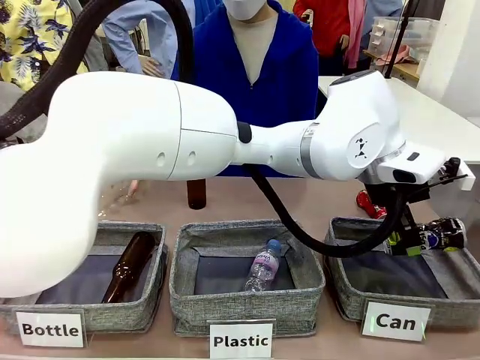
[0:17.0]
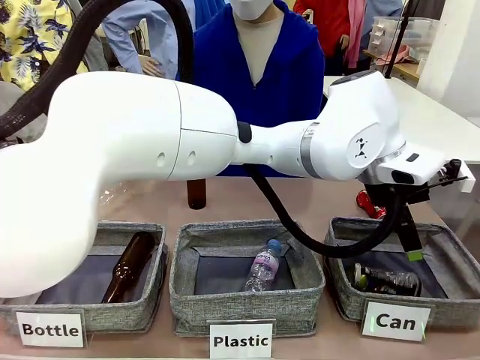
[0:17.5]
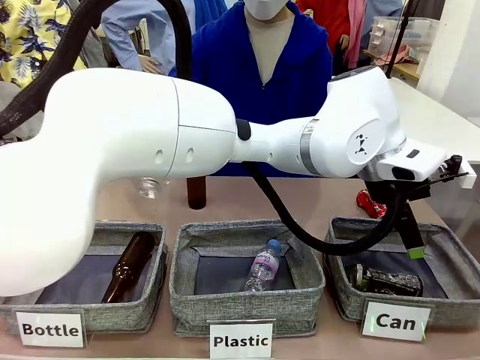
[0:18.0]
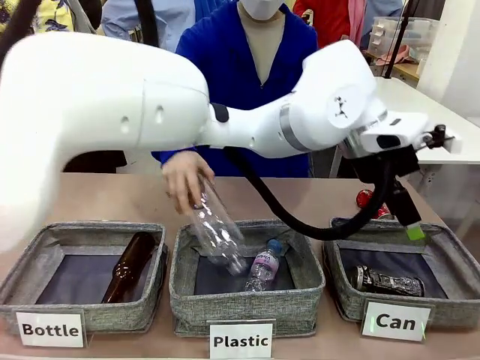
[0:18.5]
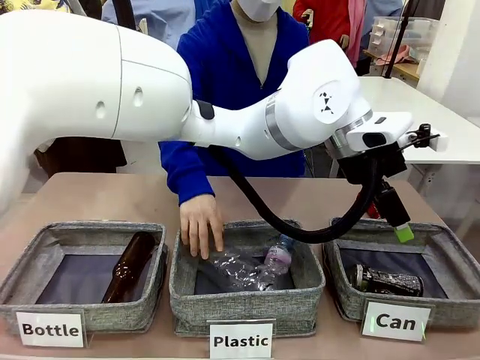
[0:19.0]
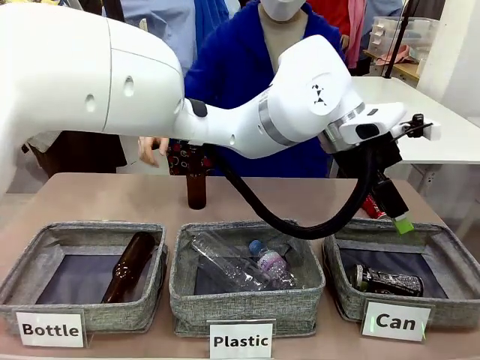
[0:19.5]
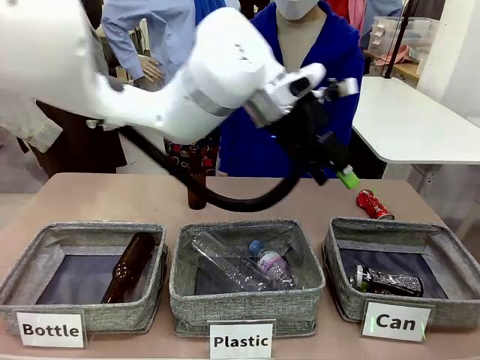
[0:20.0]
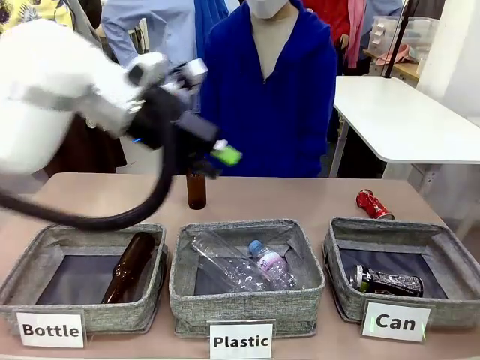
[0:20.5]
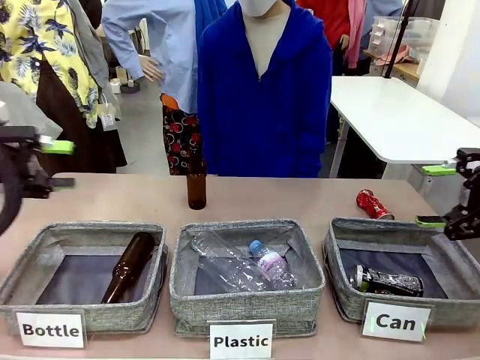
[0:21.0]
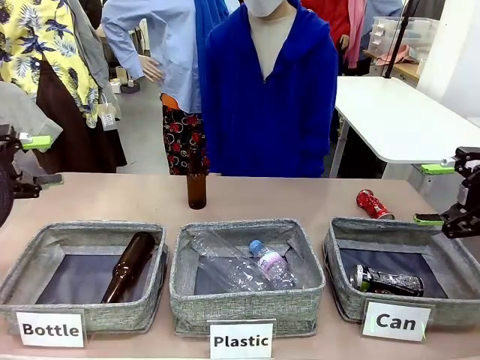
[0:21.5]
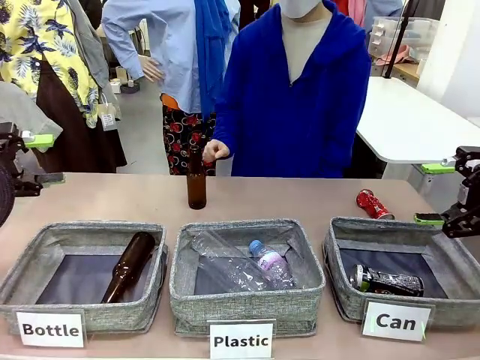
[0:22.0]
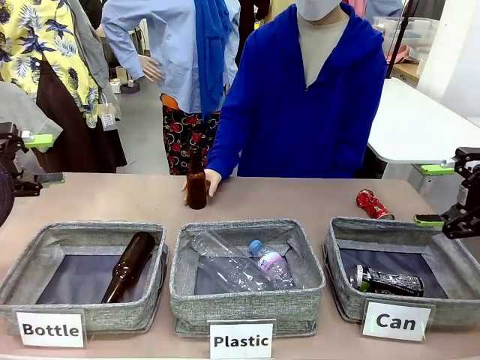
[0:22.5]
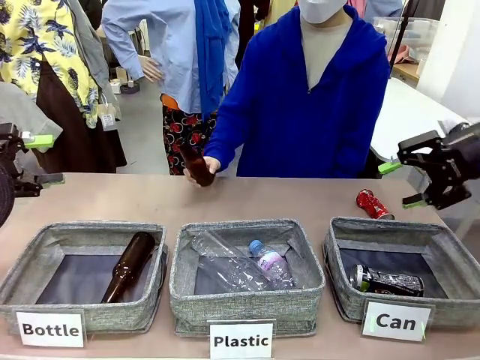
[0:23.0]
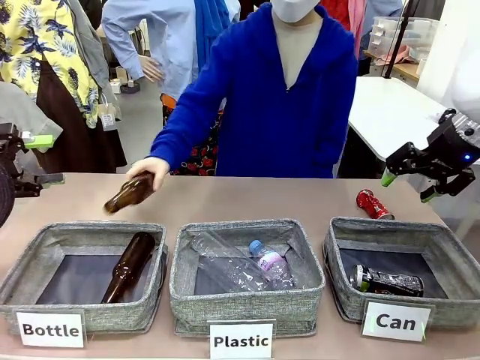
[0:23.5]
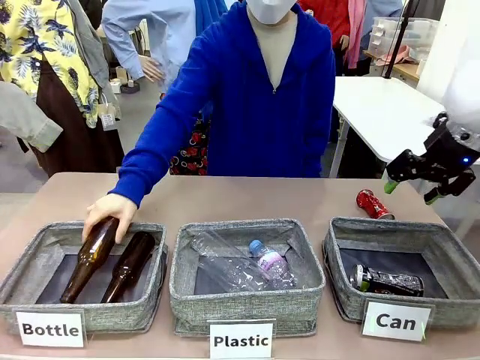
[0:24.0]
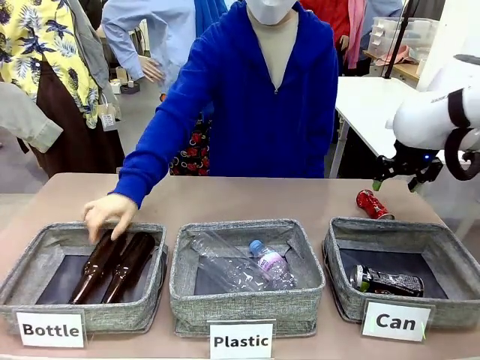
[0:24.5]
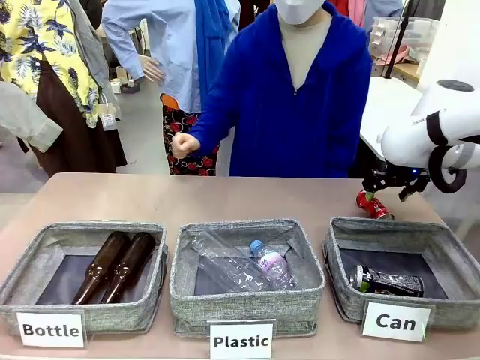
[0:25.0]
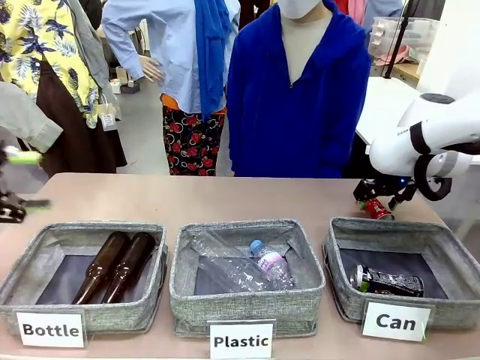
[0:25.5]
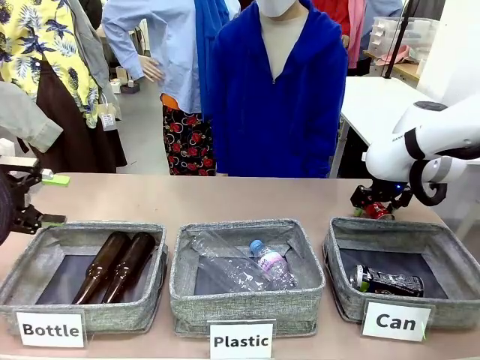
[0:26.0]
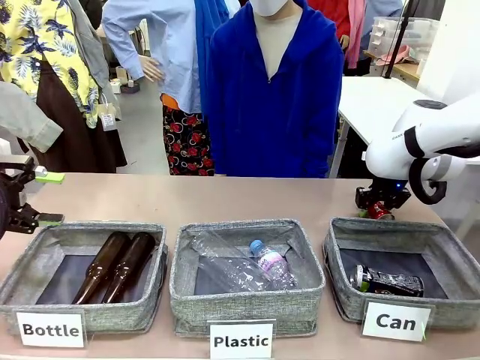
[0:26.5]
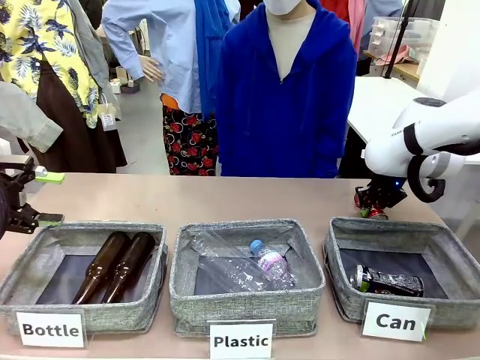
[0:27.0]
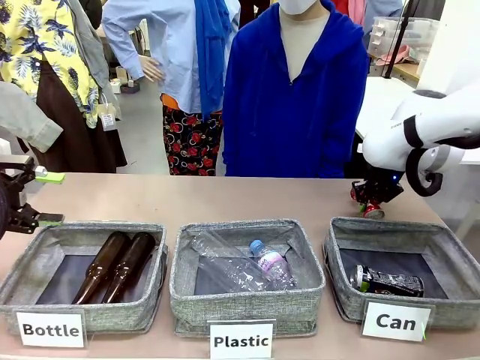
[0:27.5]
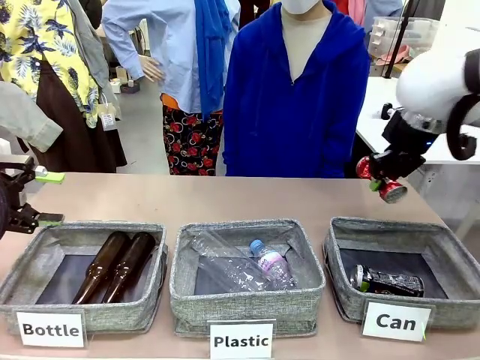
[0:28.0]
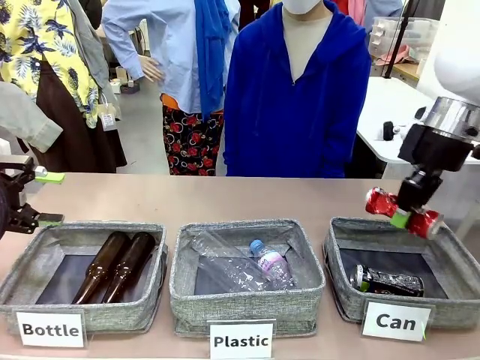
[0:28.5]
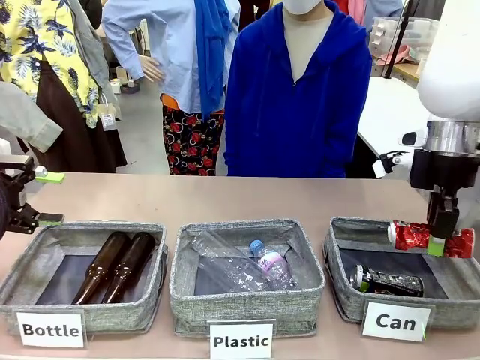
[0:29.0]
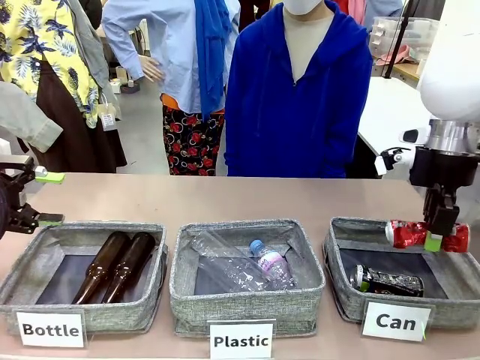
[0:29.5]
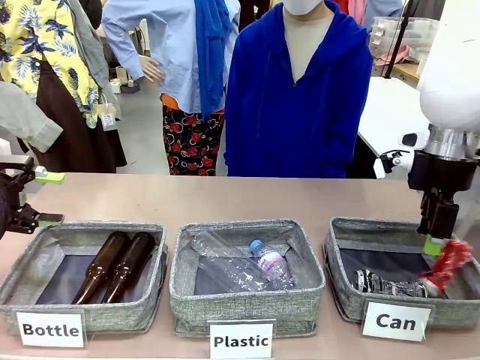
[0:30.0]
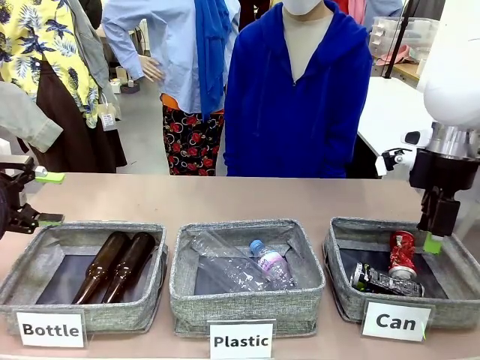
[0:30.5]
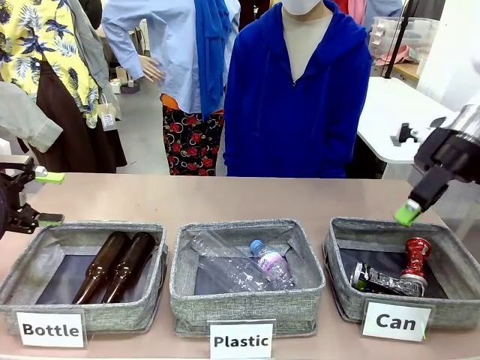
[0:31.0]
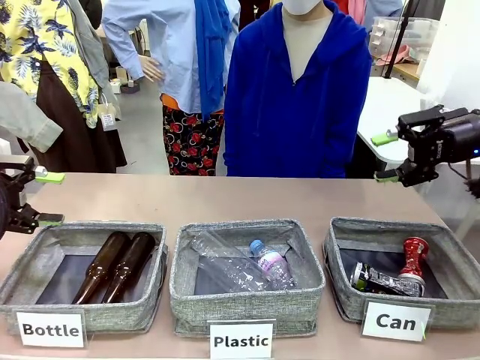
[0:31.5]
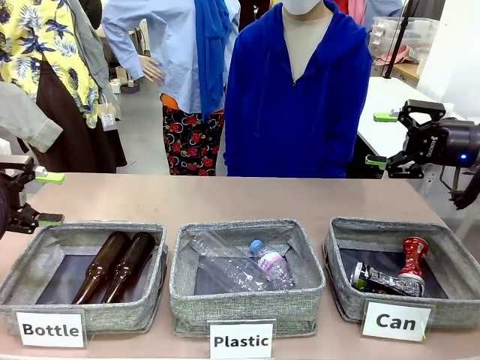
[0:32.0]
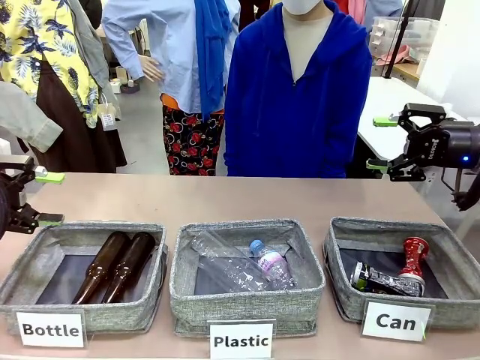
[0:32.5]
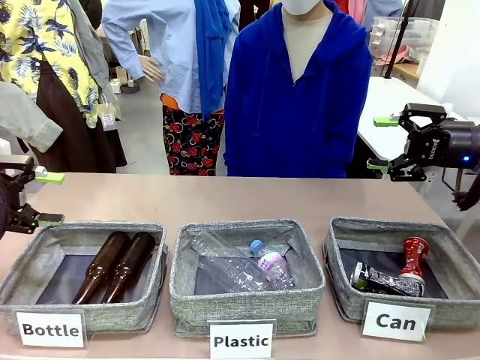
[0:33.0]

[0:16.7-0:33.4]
Task: Sort the can waste into the basket.
Robot: Pick up the can waste from the table and place it in the right Fabric basket.
